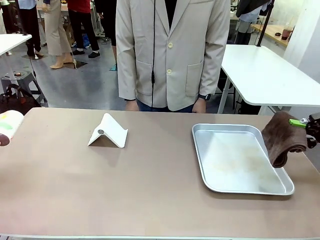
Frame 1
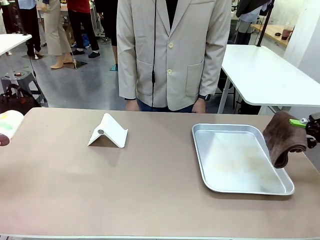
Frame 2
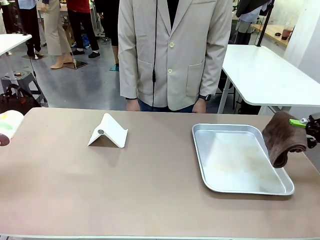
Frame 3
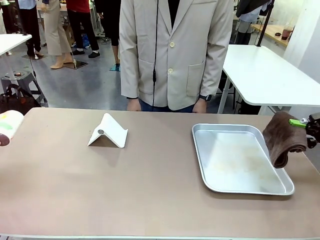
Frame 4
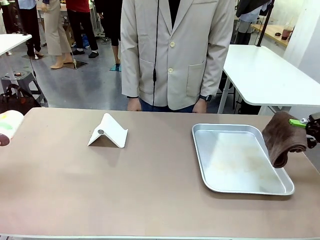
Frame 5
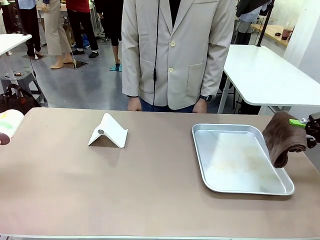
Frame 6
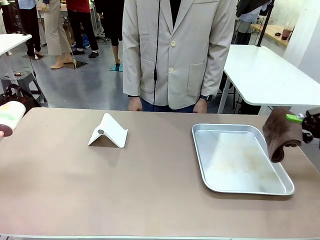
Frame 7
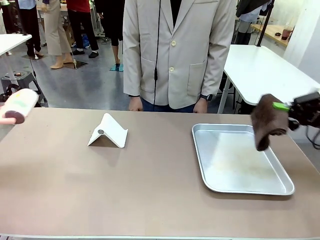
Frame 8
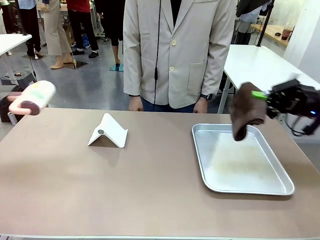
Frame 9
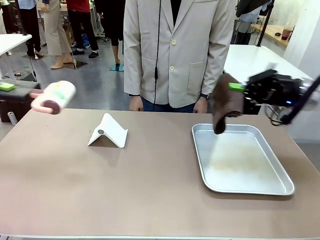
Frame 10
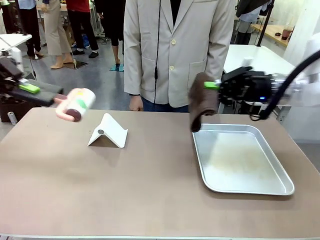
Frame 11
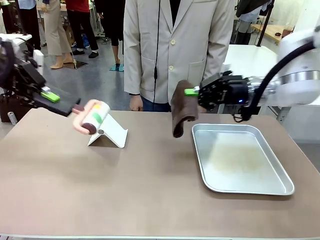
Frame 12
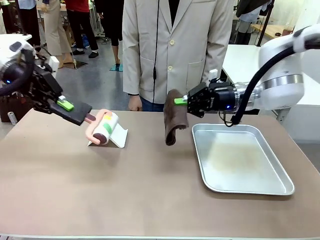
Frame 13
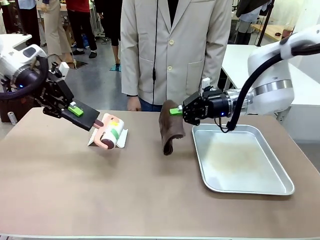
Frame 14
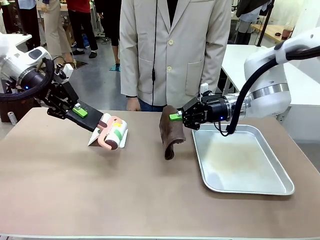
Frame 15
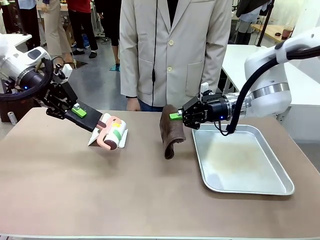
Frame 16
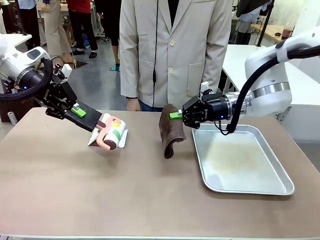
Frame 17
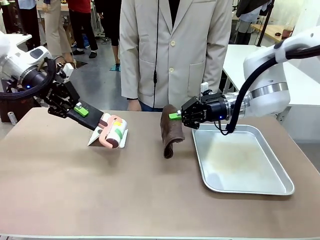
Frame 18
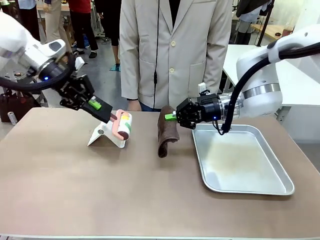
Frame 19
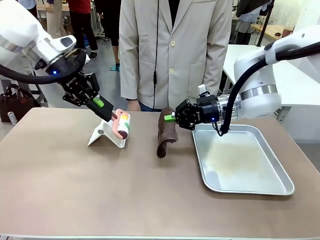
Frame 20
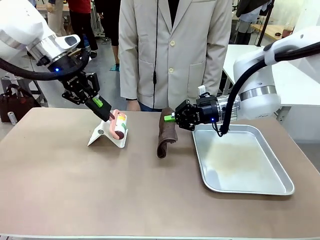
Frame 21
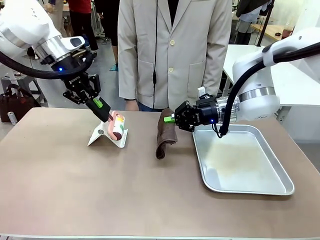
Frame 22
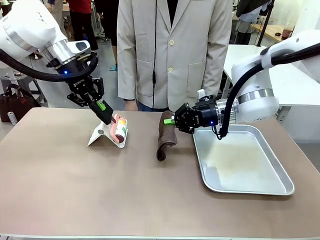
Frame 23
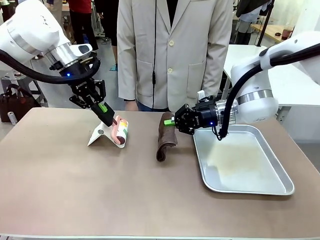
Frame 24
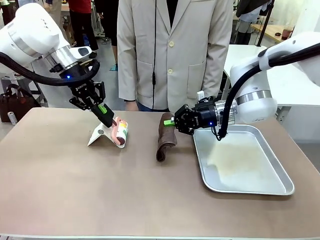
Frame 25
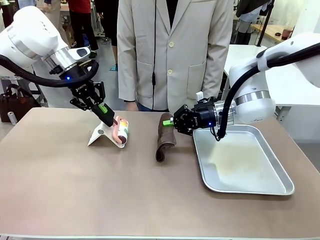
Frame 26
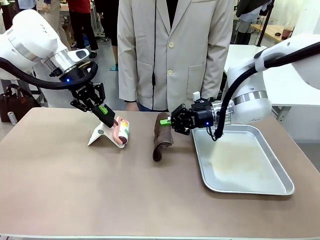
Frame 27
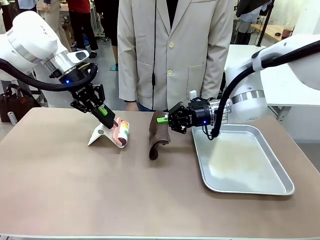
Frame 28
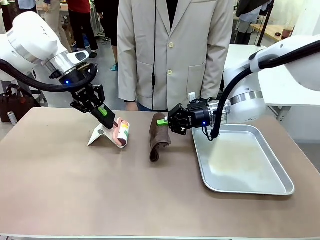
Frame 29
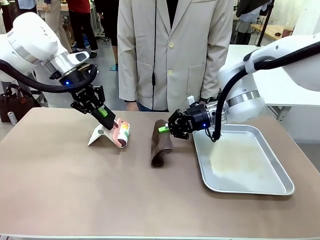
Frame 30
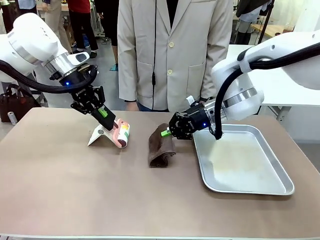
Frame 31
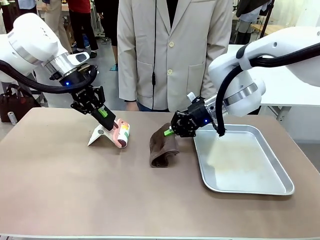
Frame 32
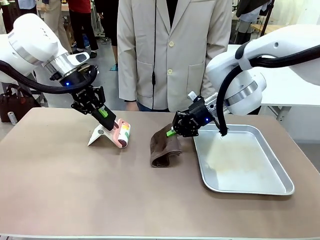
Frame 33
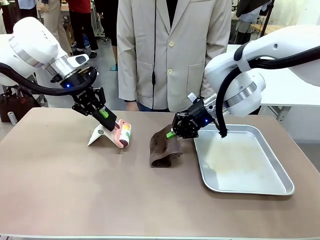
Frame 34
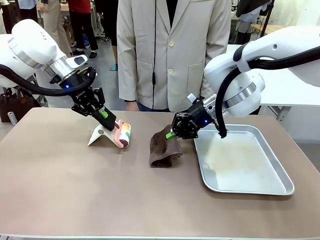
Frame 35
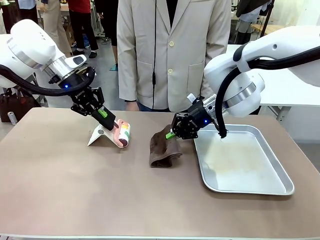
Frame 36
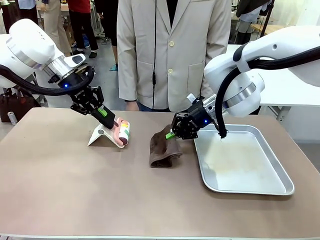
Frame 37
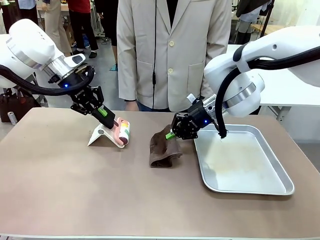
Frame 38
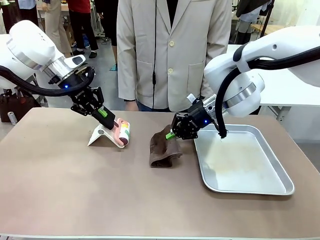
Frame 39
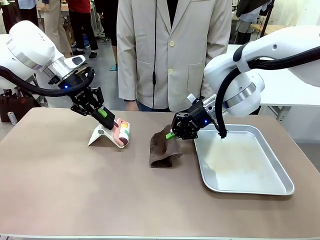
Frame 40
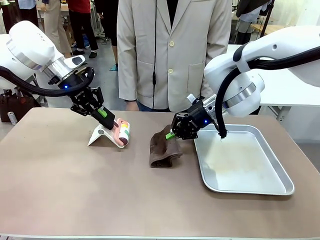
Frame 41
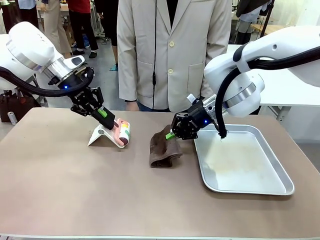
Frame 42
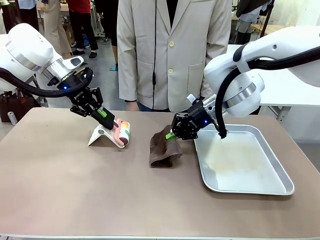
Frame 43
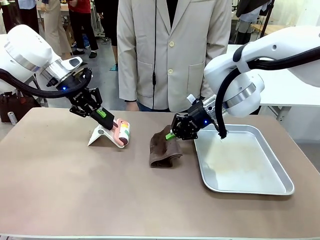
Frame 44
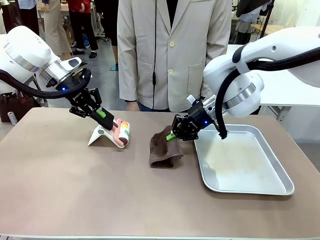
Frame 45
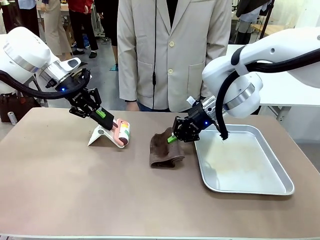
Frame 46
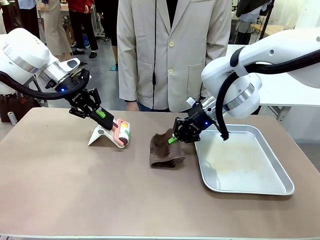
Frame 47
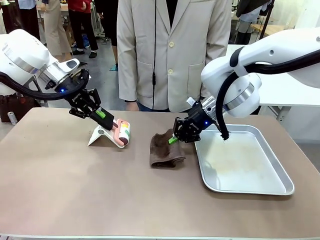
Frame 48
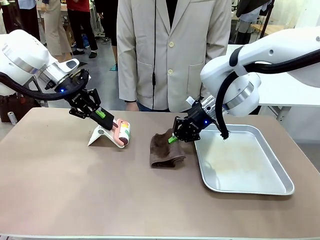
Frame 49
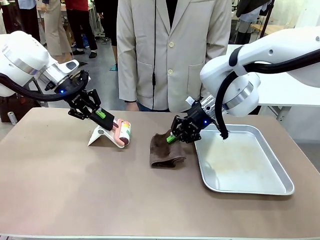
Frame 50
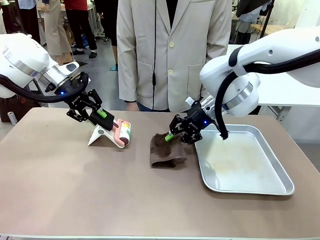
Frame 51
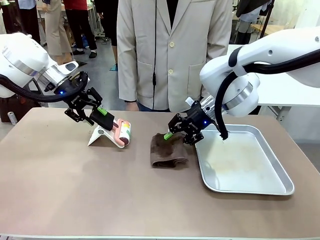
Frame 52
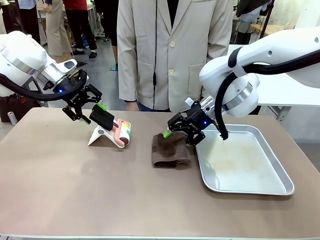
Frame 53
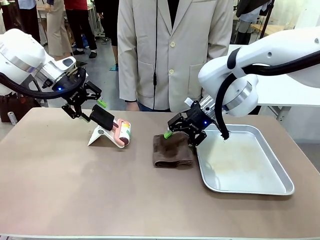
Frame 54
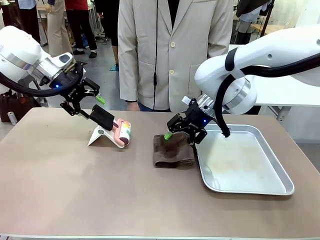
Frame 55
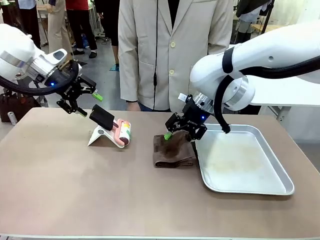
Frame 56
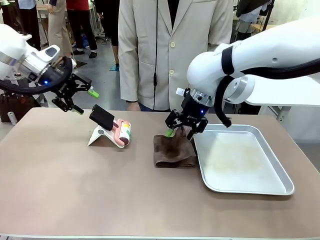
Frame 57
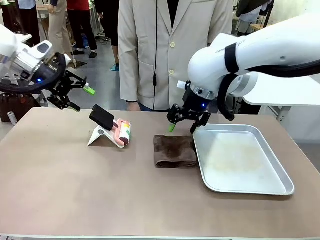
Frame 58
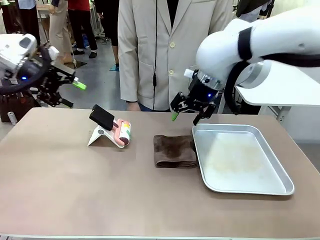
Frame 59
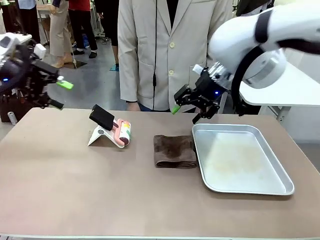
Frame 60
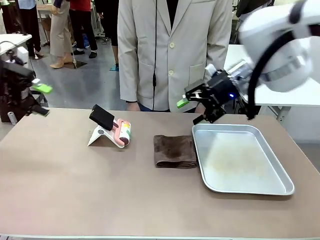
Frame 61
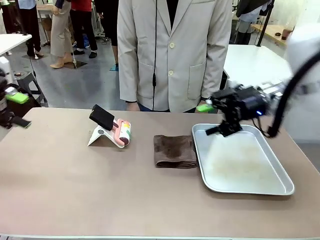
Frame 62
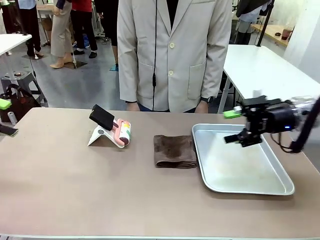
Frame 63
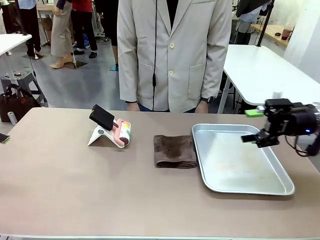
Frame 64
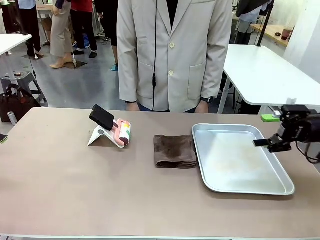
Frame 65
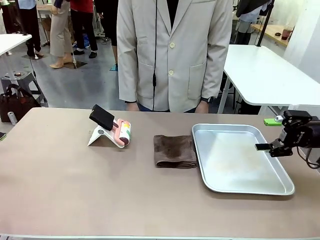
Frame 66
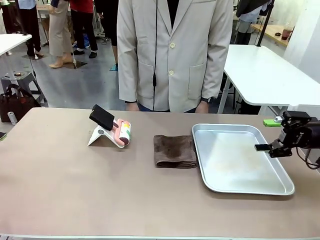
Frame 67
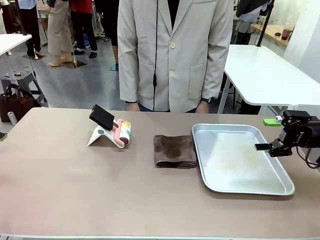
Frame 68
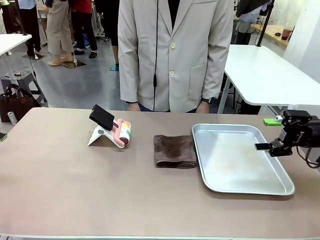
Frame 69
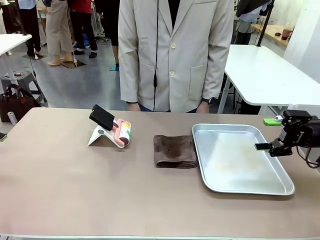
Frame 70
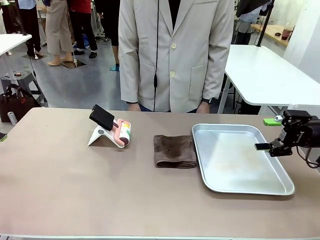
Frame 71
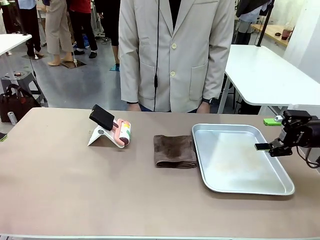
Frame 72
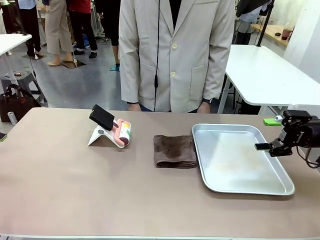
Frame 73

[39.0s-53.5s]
Task: Clean the surface of the table.
Robot: Return the Lint Roller and towel to their original positions.

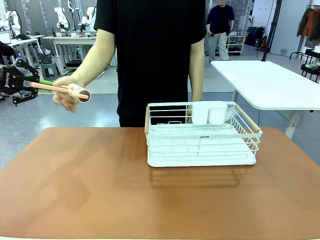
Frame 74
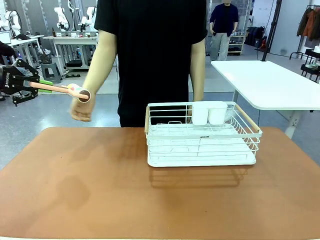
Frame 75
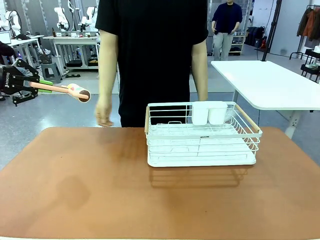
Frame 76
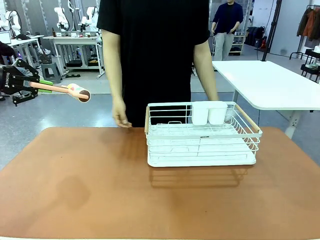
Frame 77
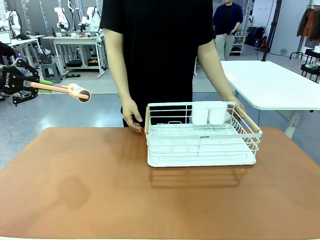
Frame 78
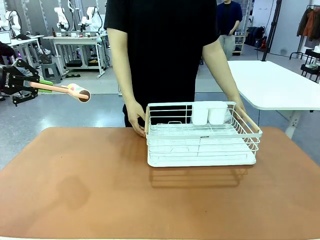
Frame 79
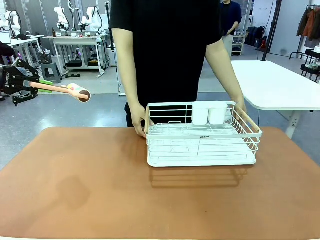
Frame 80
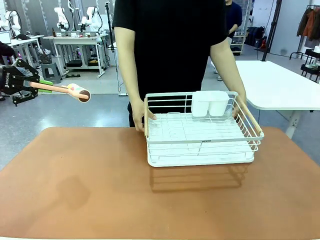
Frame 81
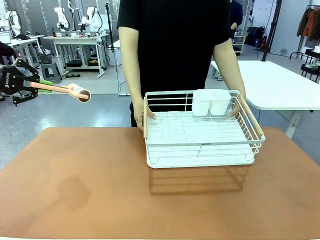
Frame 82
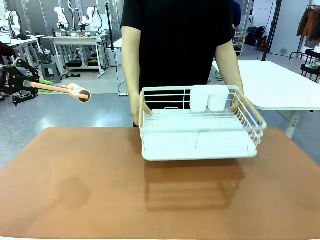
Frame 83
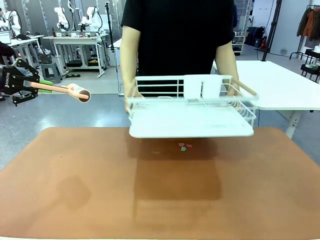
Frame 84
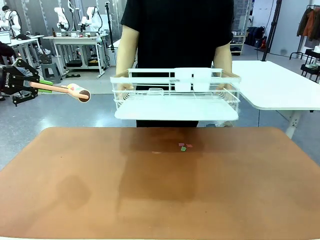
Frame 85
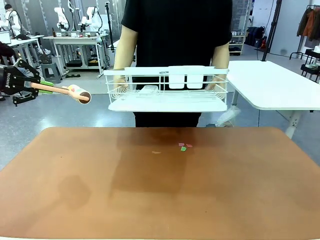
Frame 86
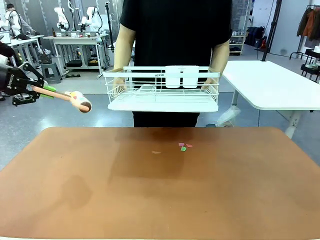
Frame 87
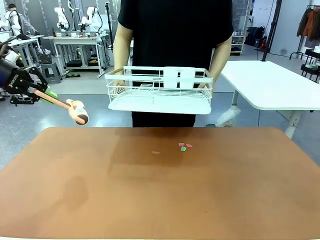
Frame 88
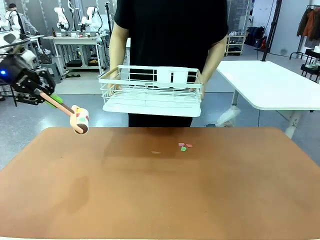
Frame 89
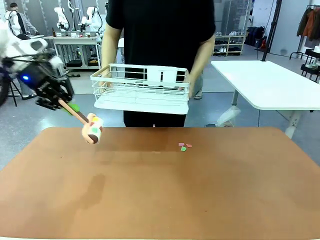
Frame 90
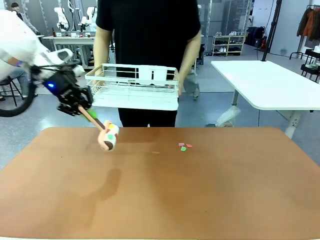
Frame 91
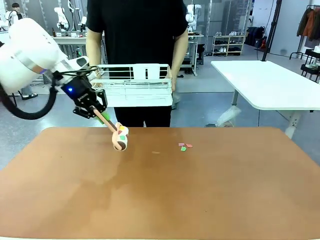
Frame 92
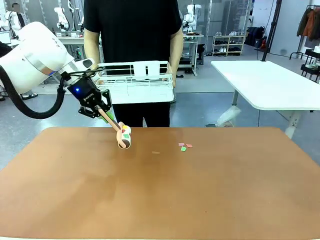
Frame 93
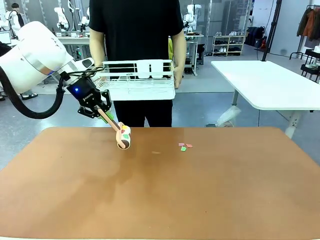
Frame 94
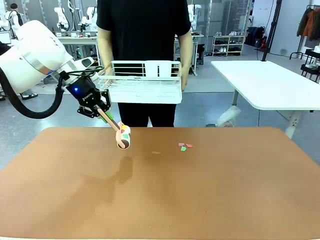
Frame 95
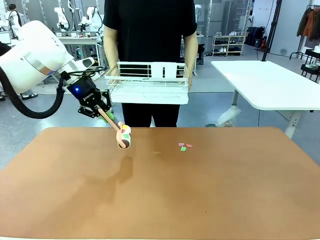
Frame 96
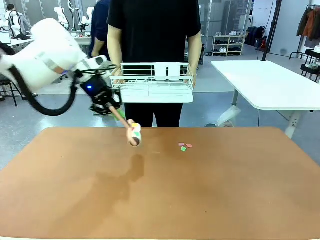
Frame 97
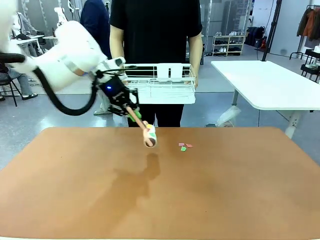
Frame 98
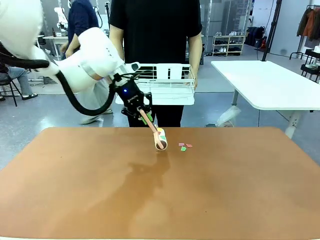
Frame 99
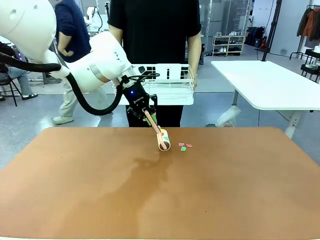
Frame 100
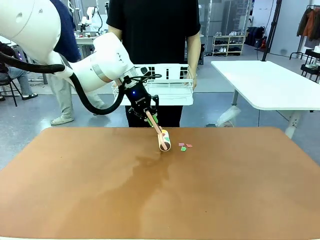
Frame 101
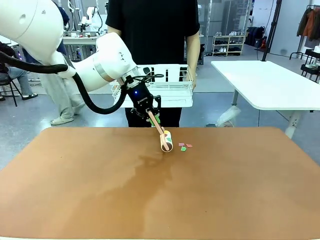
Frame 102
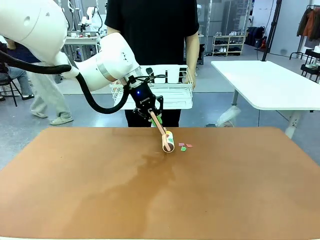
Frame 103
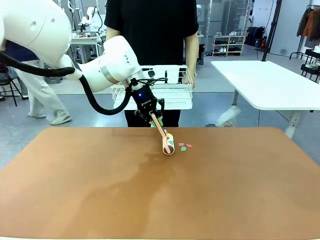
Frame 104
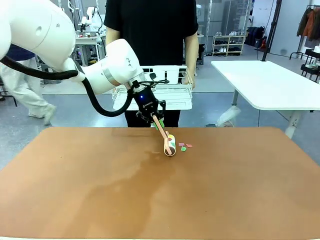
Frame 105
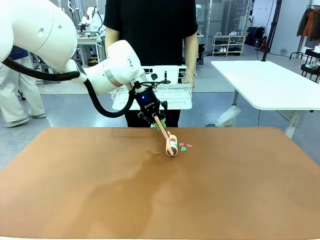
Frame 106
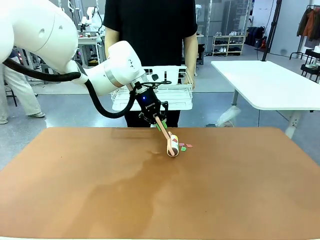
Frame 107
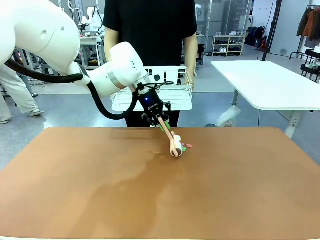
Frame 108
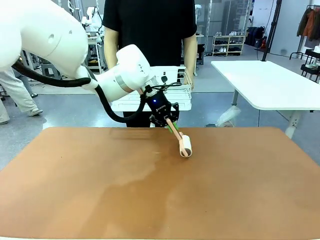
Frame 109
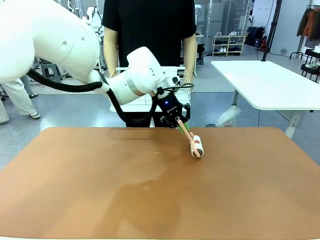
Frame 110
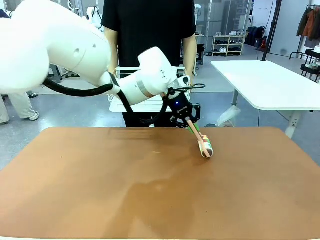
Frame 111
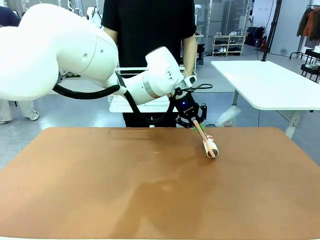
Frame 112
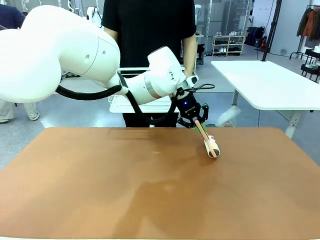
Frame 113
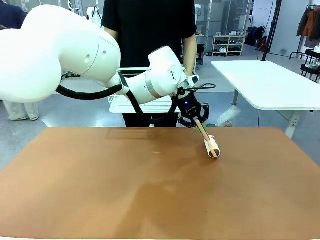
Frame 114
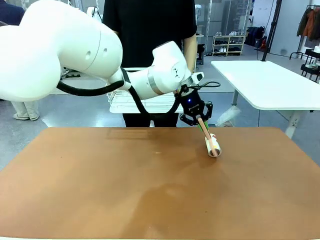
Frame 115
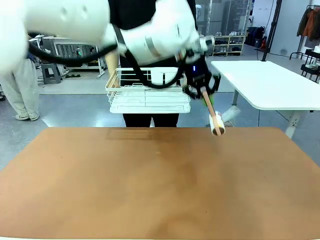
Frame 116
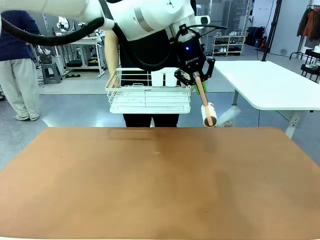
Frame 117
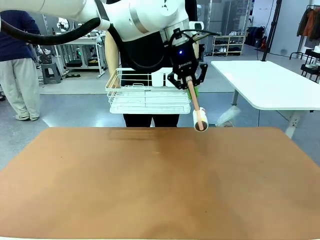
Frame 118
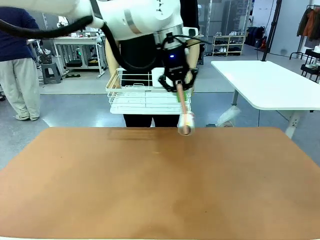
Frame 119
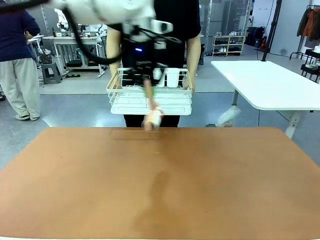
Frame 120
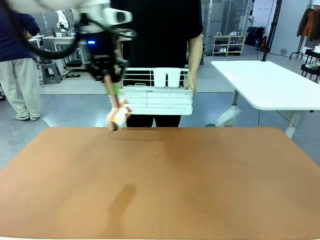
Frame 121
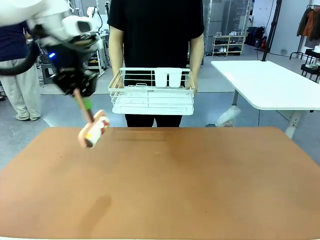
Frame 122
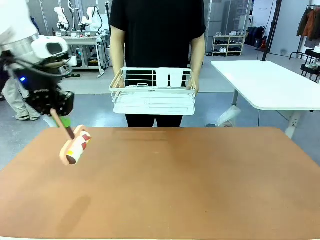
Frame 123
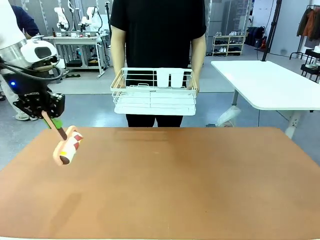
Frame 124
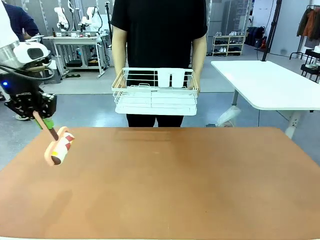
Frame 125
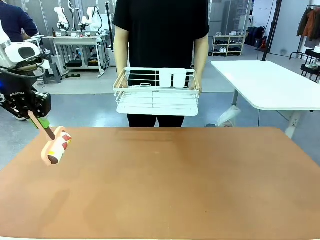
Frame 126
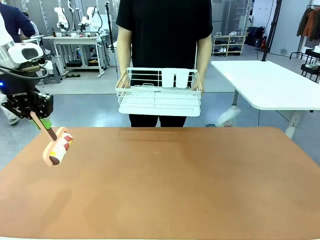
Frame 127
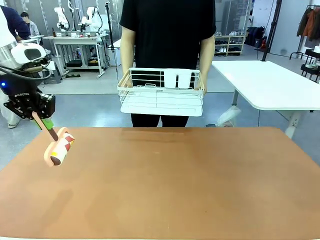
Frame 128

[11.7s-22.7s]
Task: Clean the table.
Robot: Clean the table with the Lint Roller when the human lifts the Dish drying rack.
